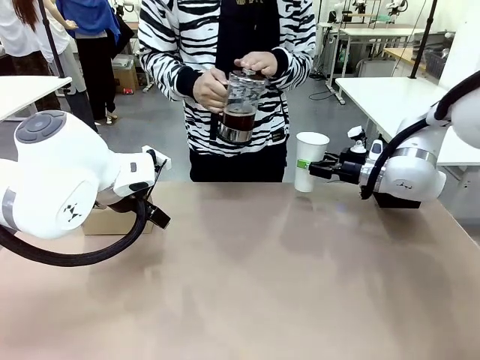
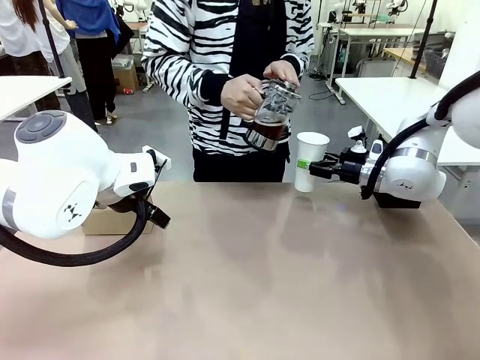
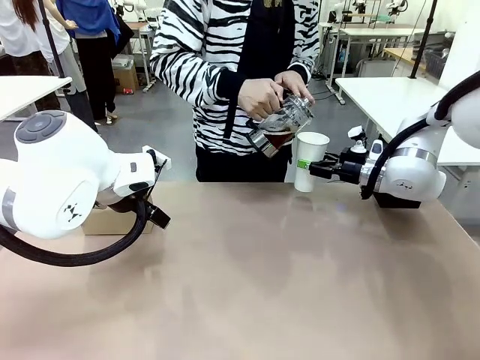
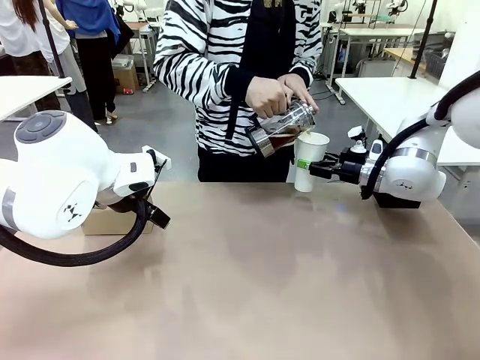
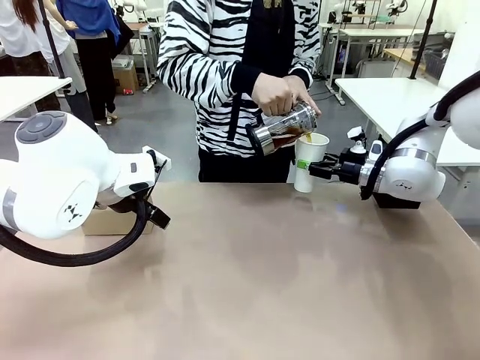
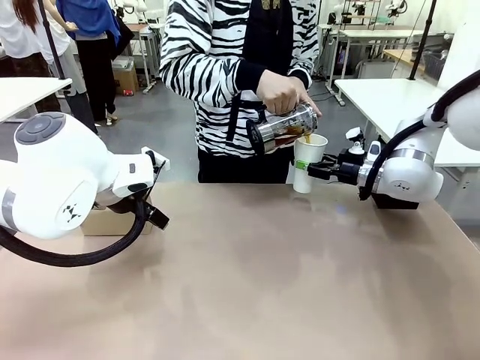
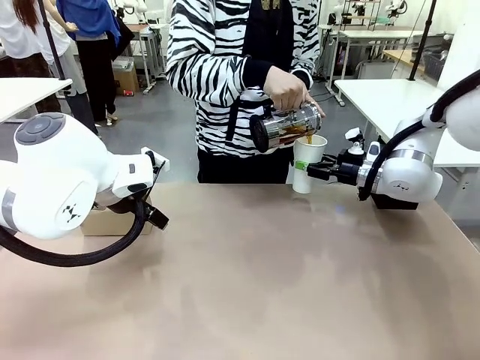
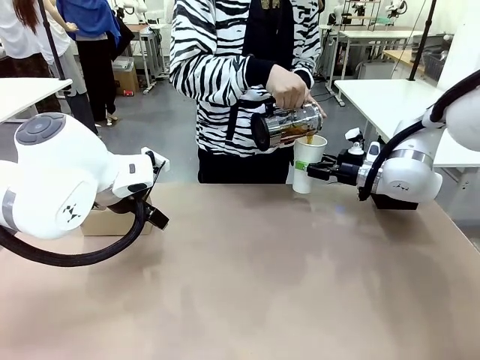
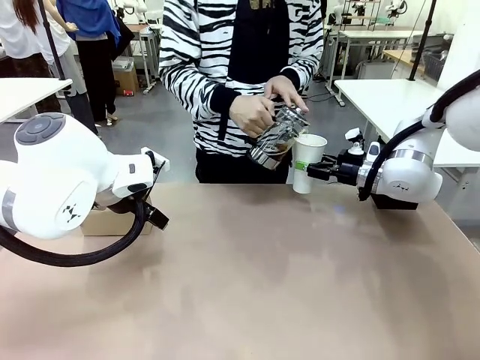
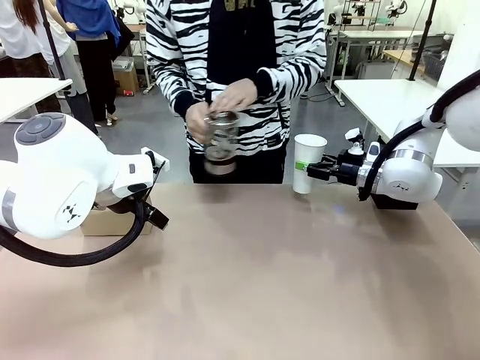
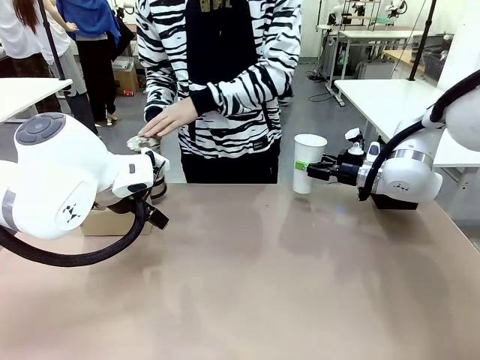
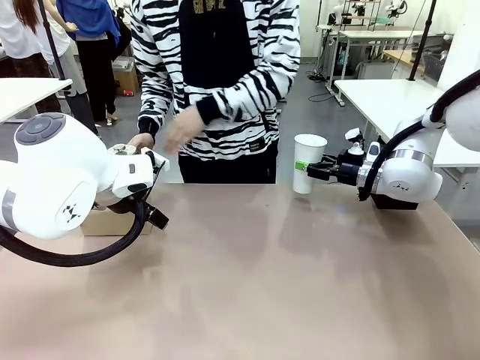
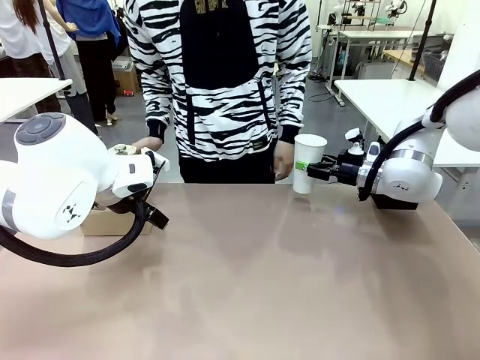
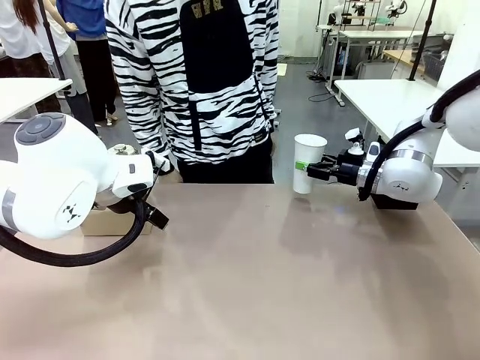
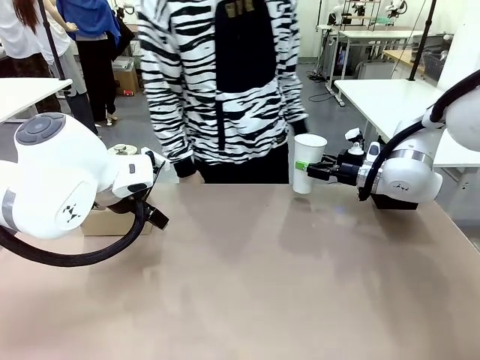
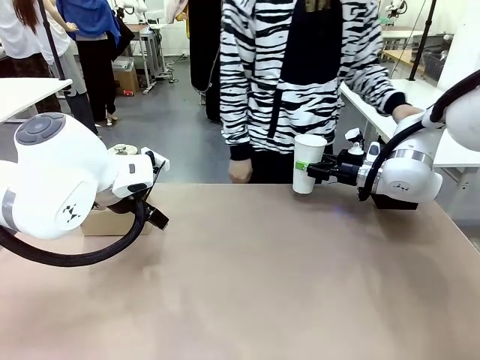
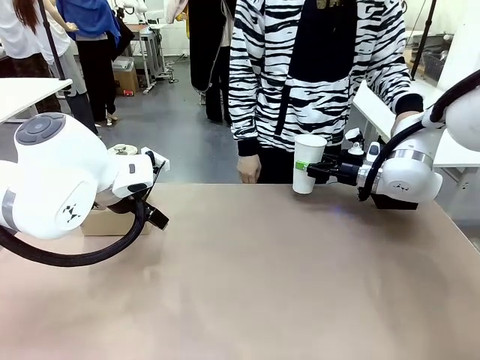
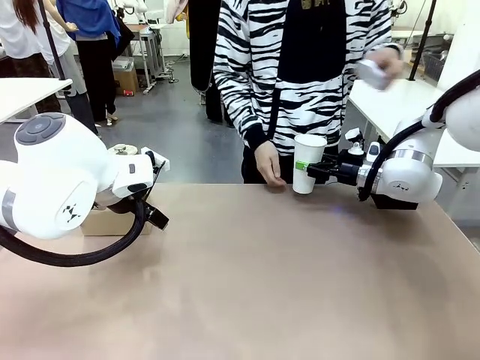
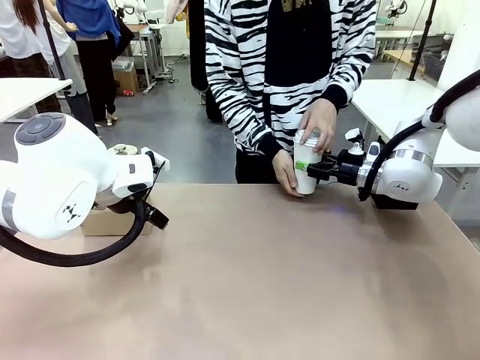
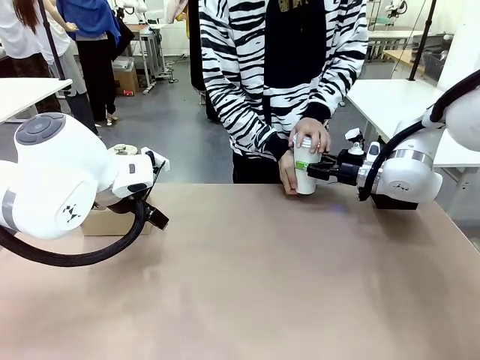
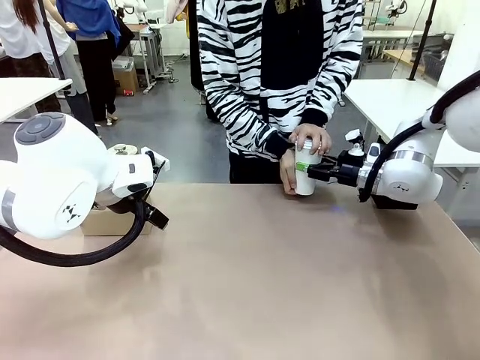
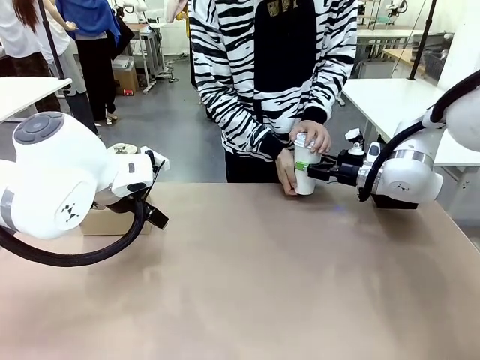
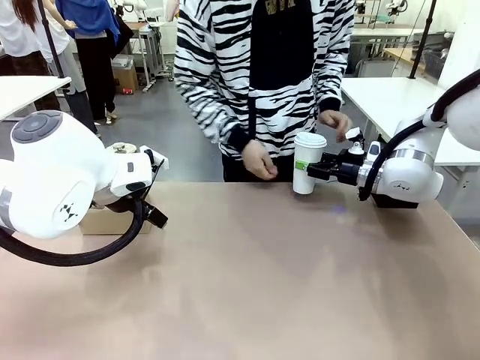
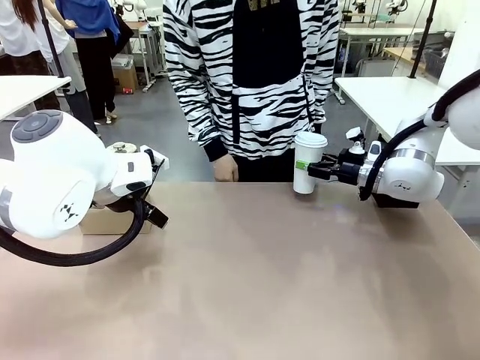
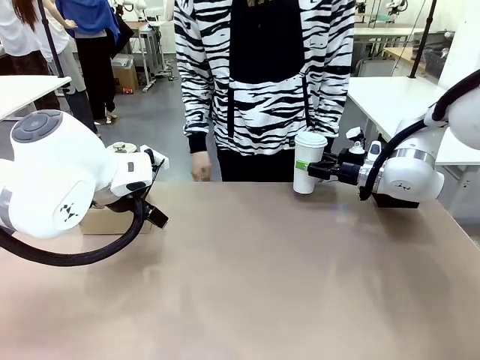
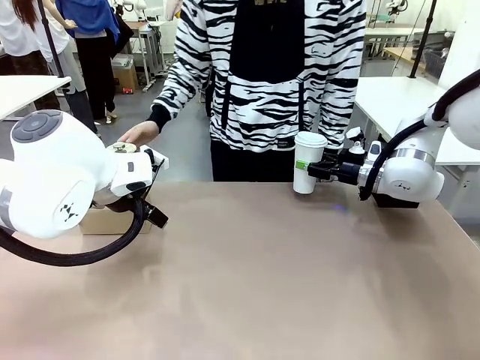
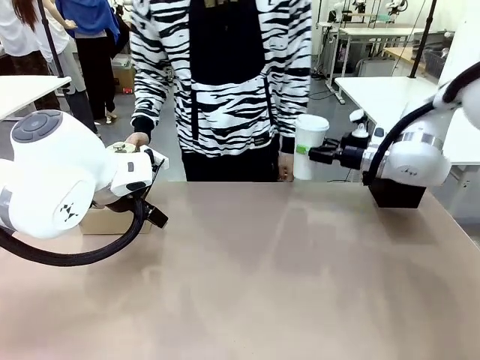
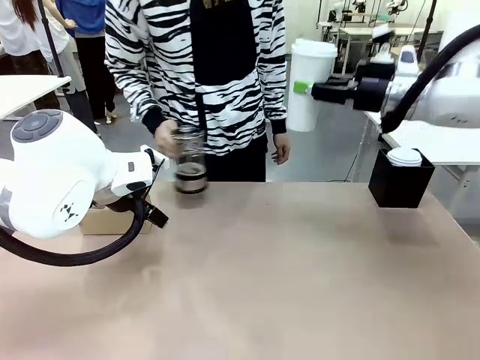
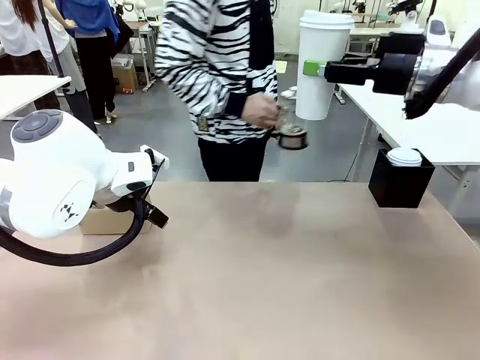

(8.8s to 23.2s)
Task: Pour a drink into a cup and package it in a carrier.
Robot: When a person places the Paper Cup Lid on the 600 ml Paper Cup , lift the 600 ml Paper Cup.
Person: Pour the drink from the Filter Brewing into the 600 ml Paper Cup. Place a Paper Cup Lid on the 600 ml Paper Cup.

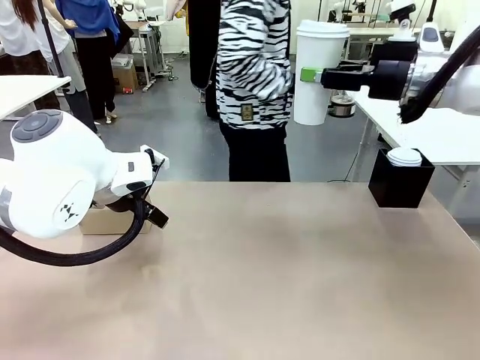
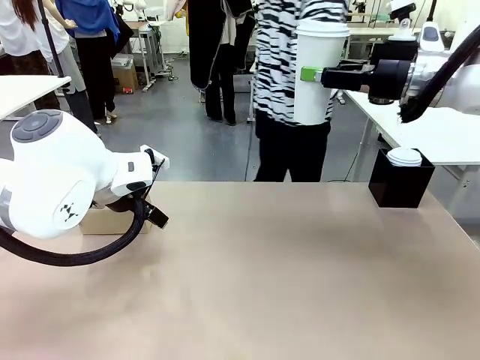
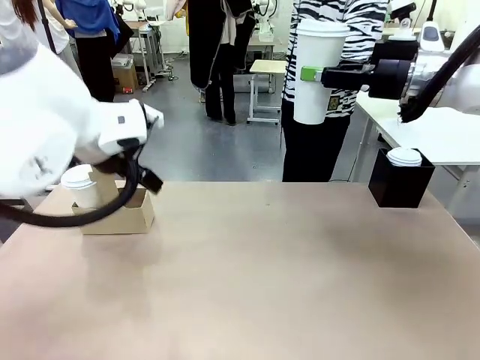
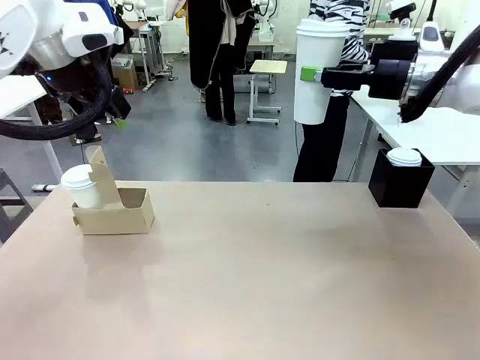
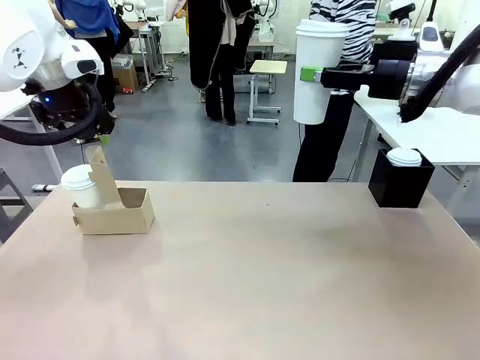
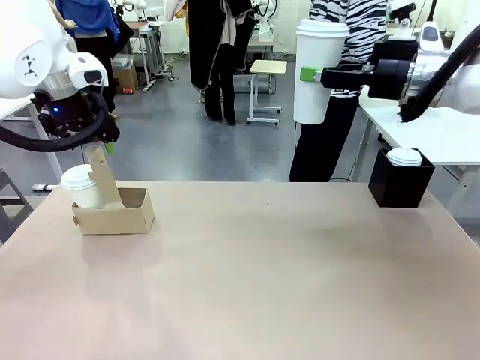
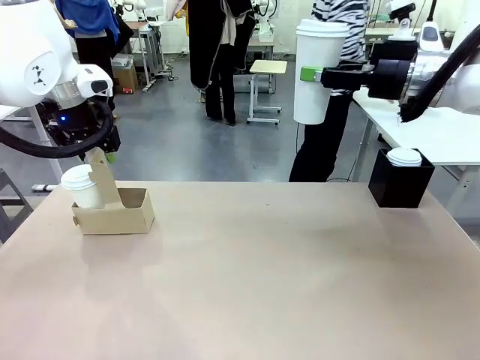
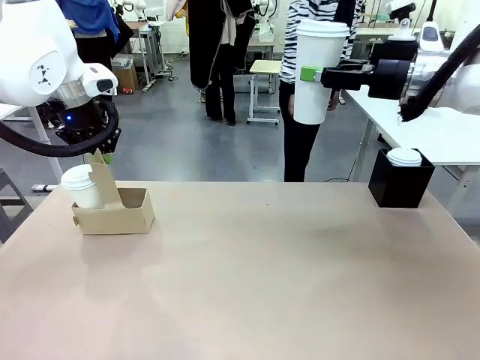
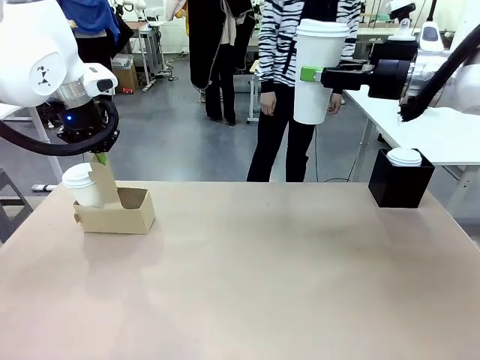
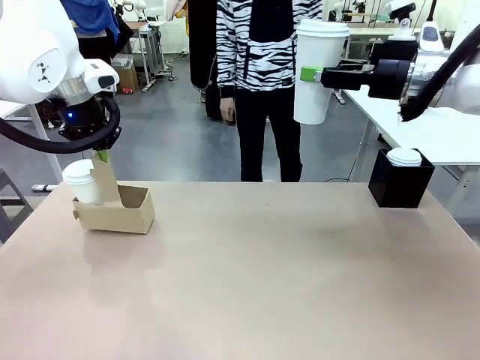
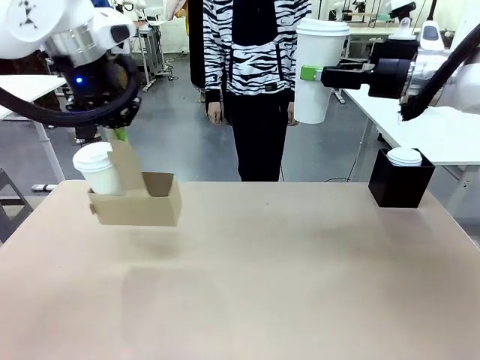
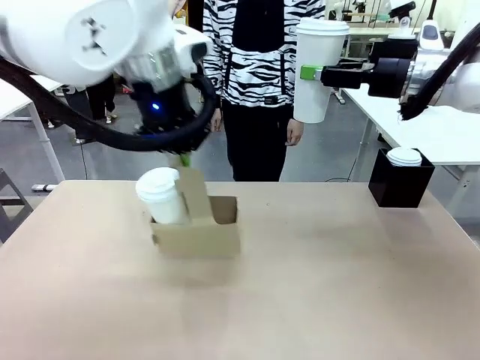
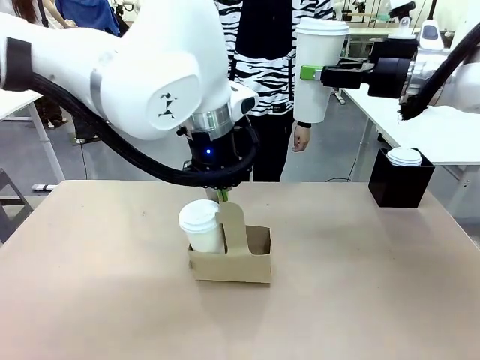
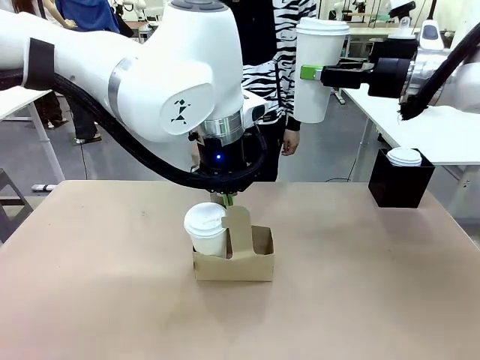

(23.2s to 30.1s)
Robot: Position the Cup Carrier in the center of the table.
Person: Pick up the Filter Brewing and place on the middle of Human table, and return to the Robot table.

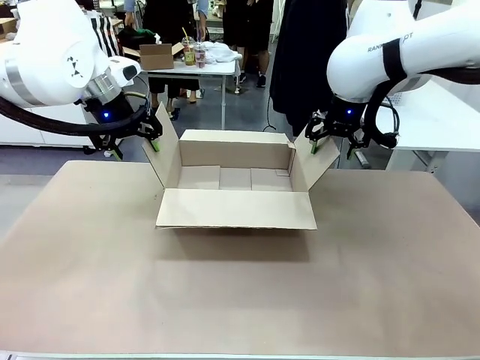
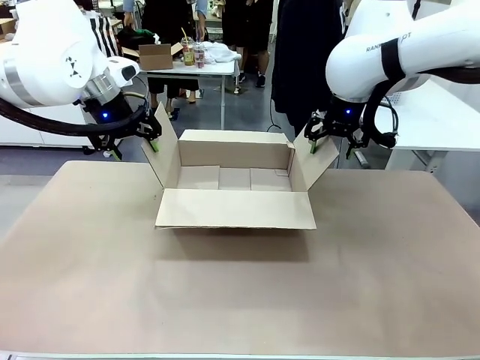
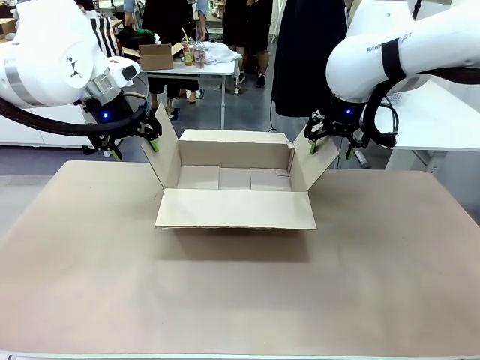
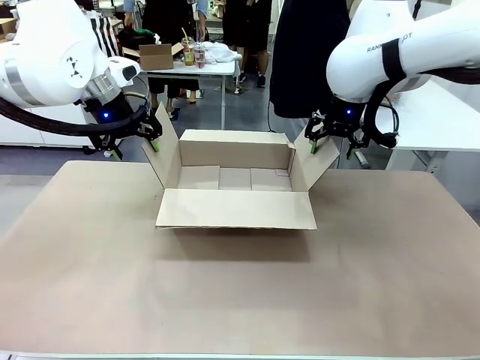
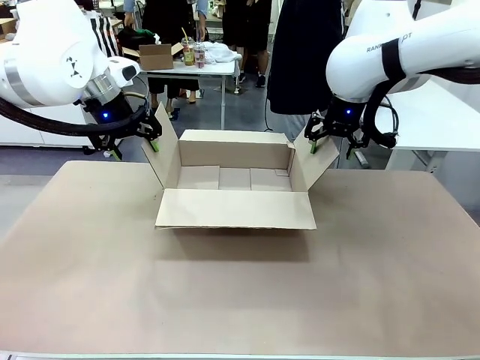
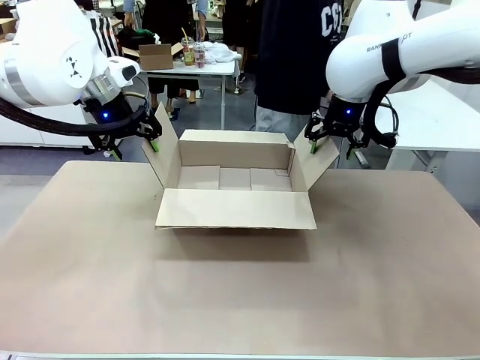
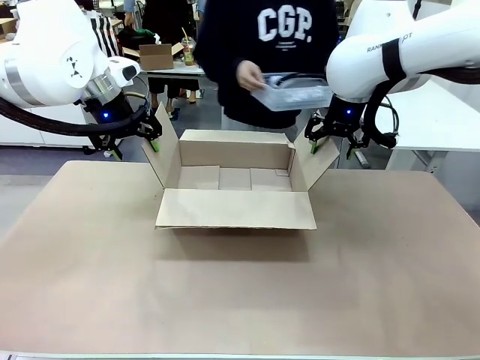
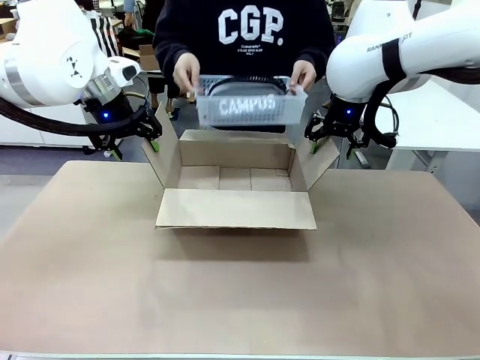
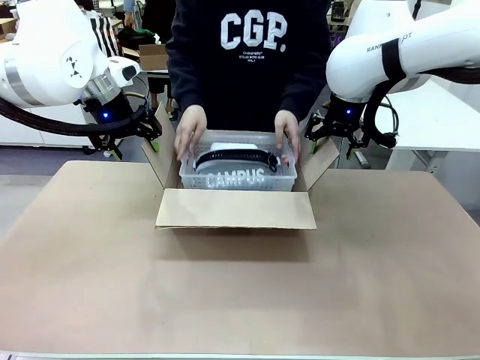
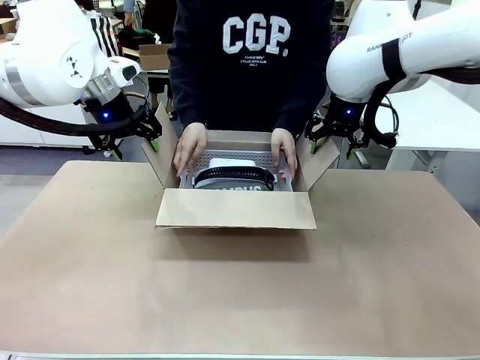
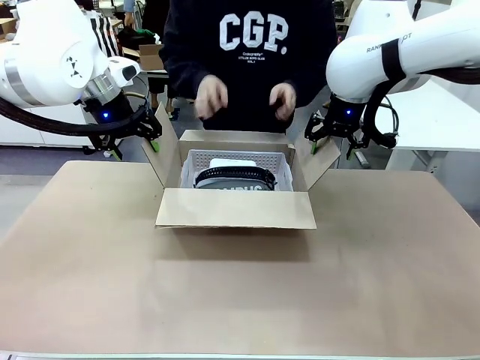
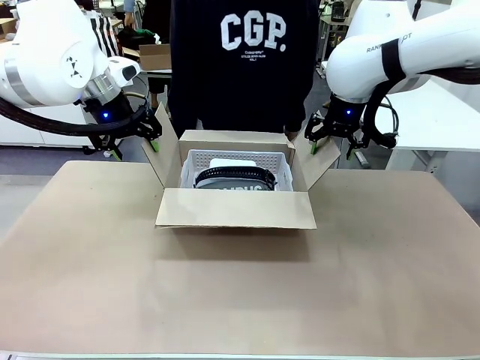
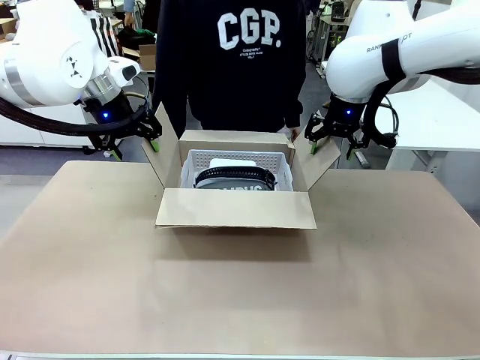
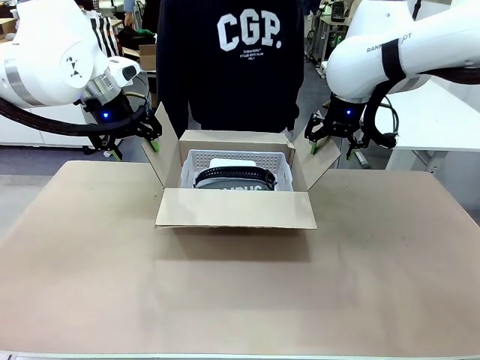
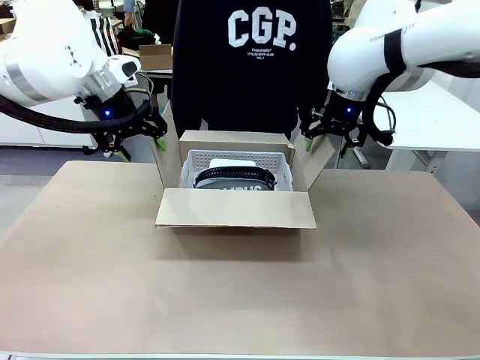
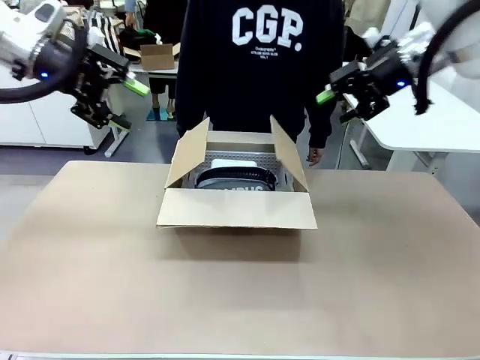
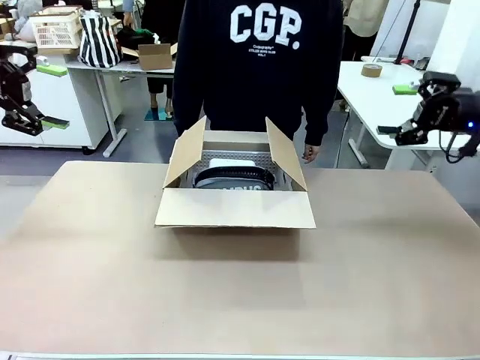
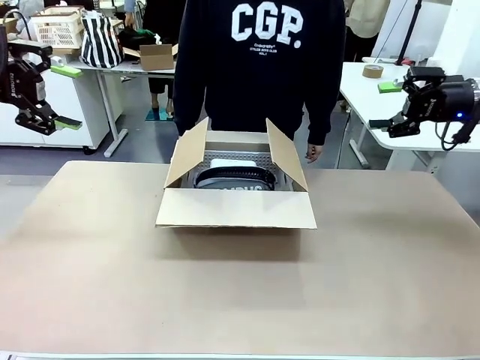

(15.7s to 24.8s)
Task: Pack the gift set into the box.
Robot: Lift both hands away from the flaps of the Package Box.
Person: The human picks up the organizing basket and places the organizing basket into the package box on the robot table.
